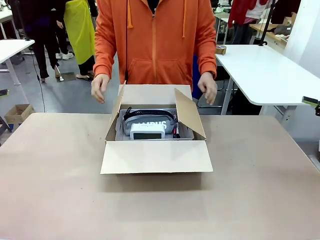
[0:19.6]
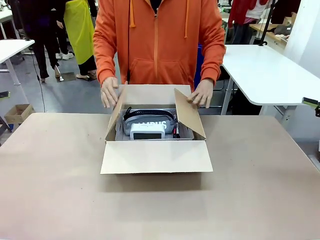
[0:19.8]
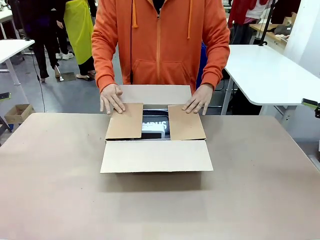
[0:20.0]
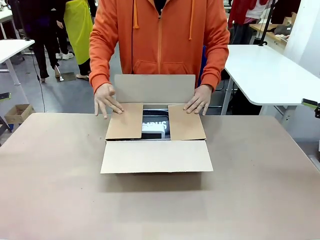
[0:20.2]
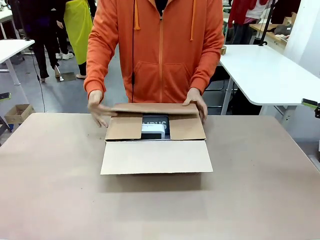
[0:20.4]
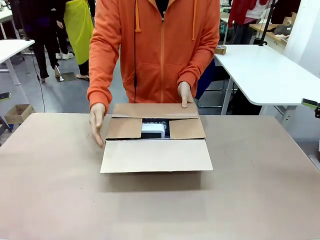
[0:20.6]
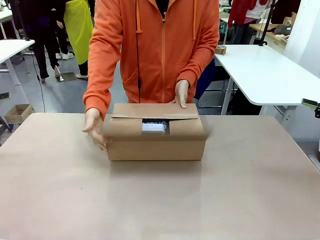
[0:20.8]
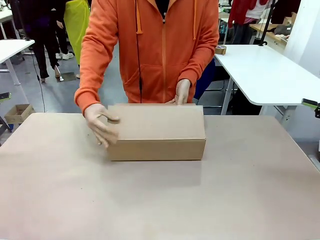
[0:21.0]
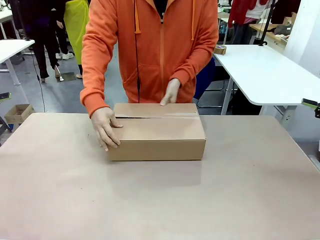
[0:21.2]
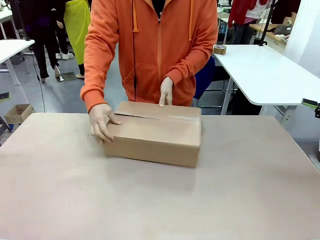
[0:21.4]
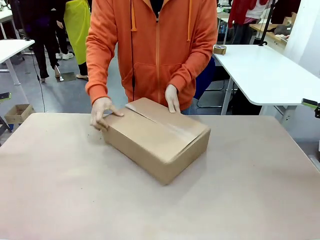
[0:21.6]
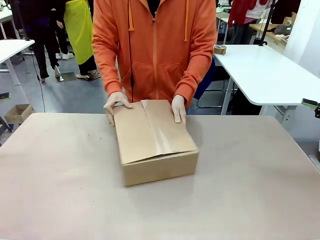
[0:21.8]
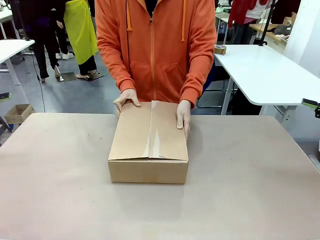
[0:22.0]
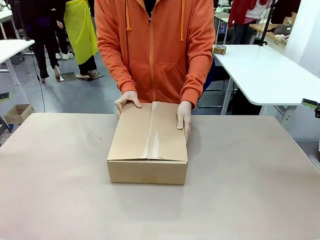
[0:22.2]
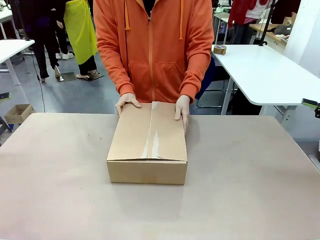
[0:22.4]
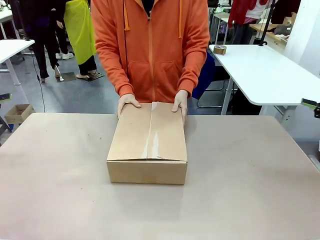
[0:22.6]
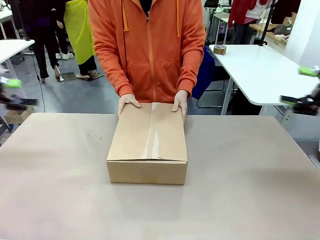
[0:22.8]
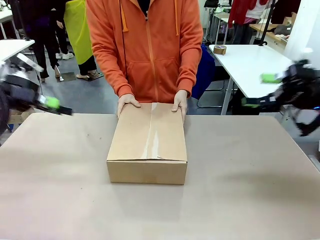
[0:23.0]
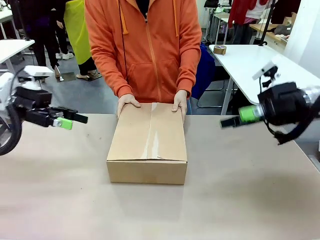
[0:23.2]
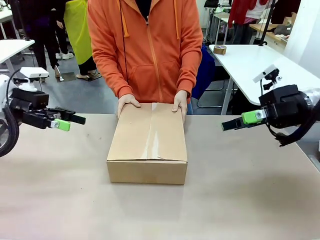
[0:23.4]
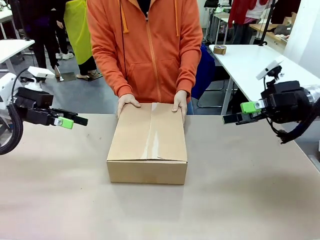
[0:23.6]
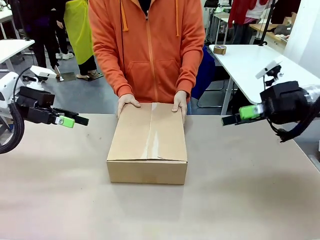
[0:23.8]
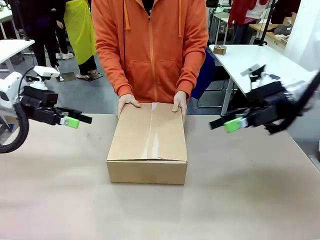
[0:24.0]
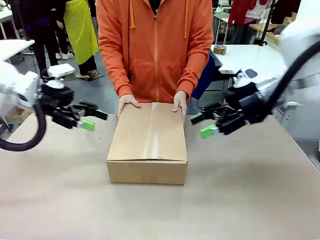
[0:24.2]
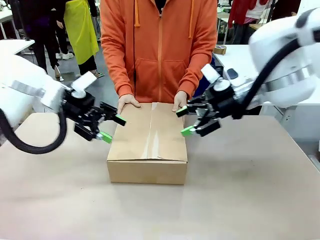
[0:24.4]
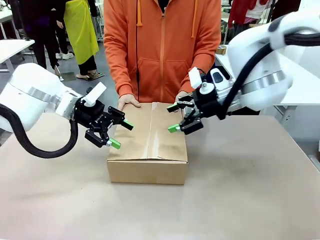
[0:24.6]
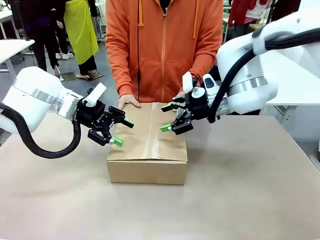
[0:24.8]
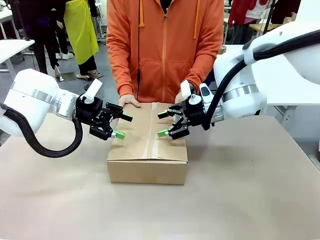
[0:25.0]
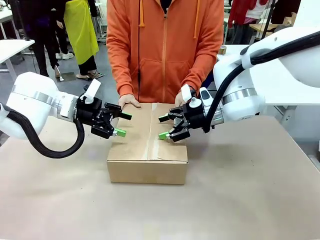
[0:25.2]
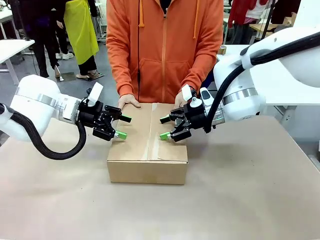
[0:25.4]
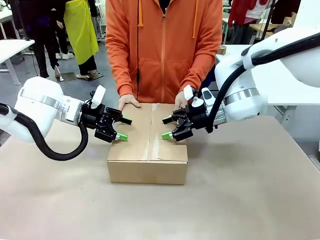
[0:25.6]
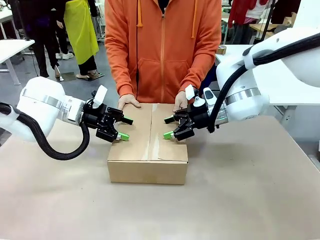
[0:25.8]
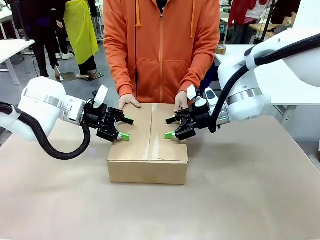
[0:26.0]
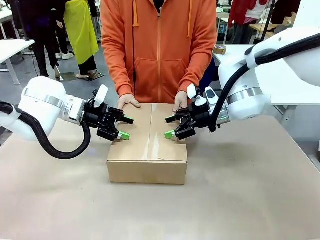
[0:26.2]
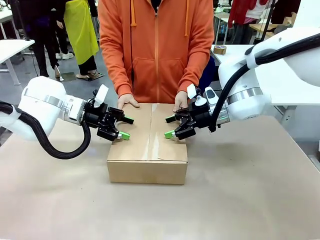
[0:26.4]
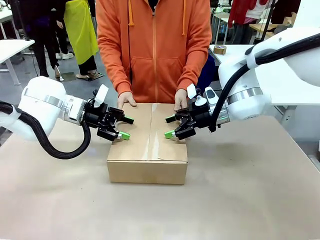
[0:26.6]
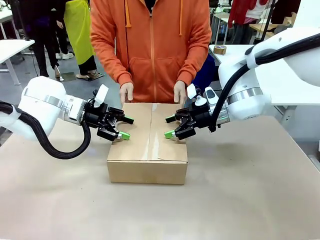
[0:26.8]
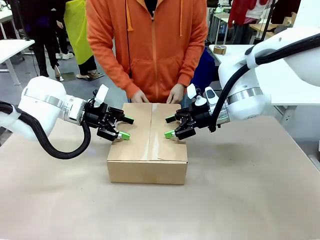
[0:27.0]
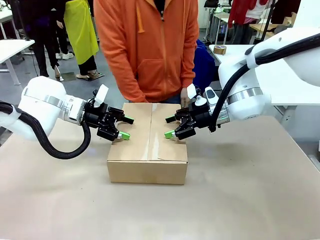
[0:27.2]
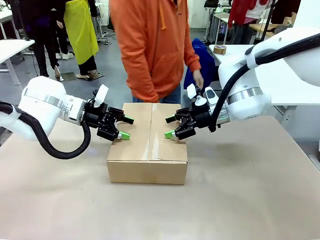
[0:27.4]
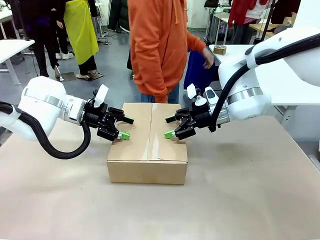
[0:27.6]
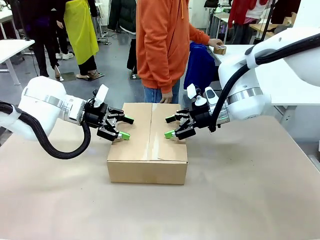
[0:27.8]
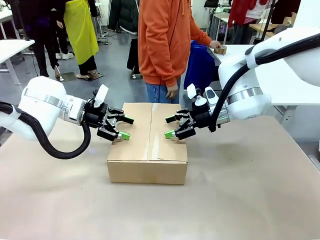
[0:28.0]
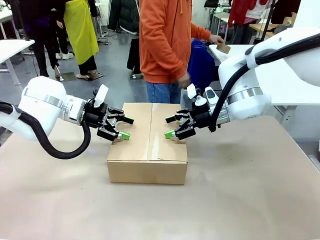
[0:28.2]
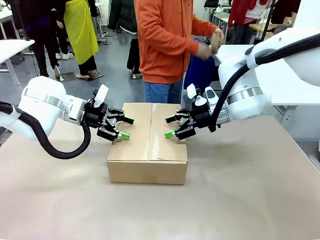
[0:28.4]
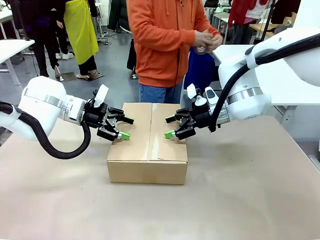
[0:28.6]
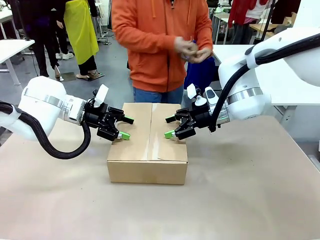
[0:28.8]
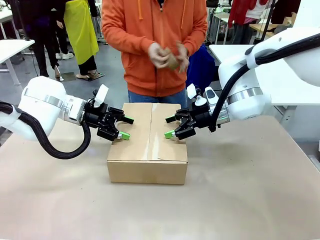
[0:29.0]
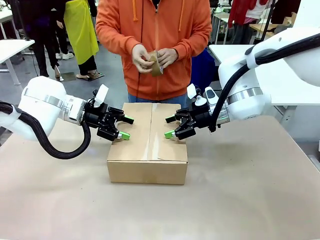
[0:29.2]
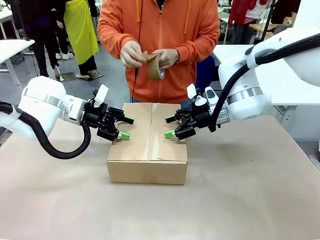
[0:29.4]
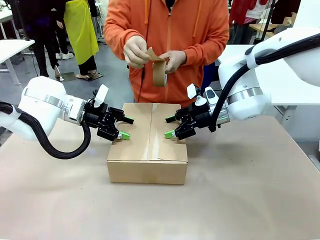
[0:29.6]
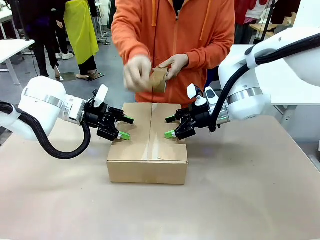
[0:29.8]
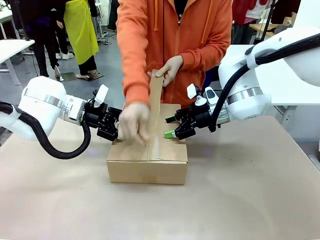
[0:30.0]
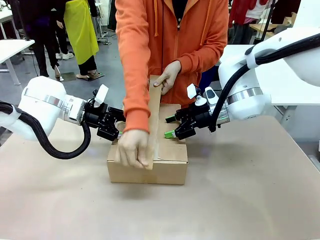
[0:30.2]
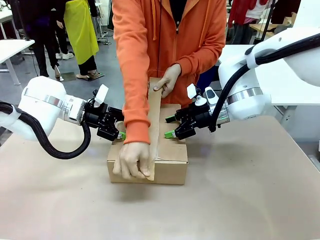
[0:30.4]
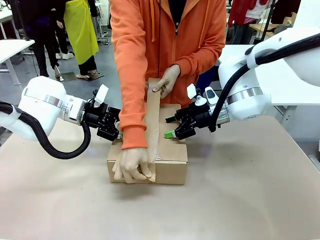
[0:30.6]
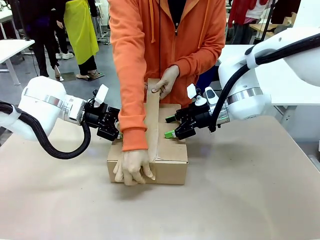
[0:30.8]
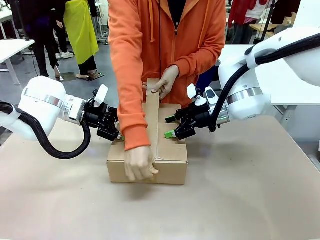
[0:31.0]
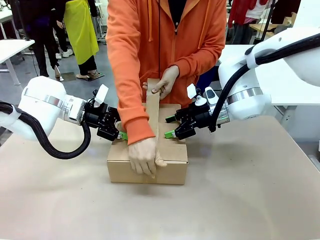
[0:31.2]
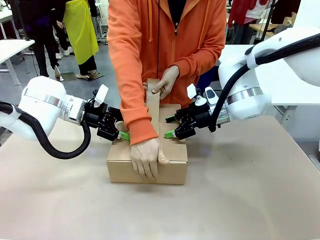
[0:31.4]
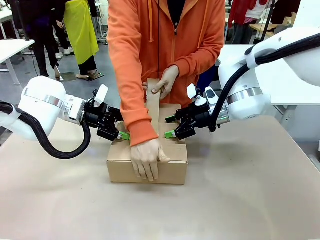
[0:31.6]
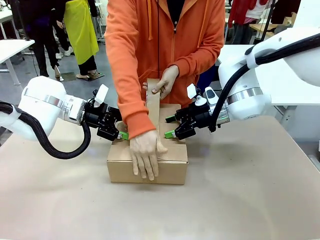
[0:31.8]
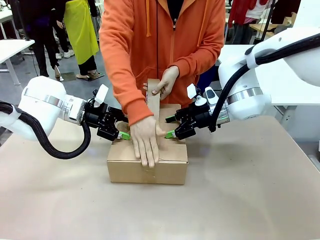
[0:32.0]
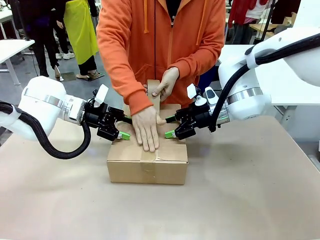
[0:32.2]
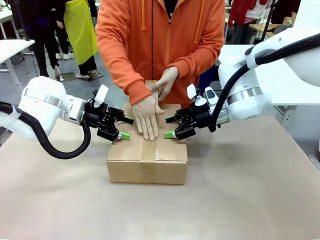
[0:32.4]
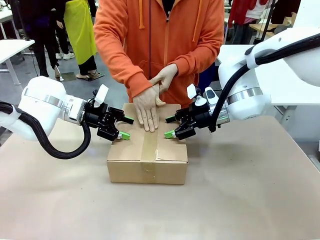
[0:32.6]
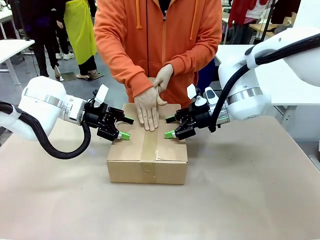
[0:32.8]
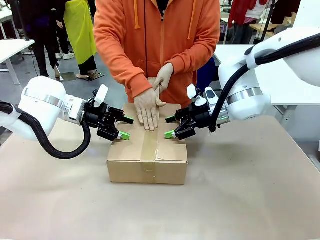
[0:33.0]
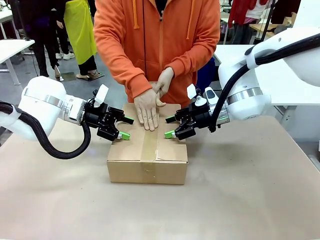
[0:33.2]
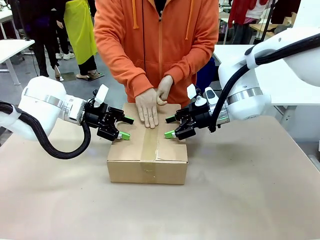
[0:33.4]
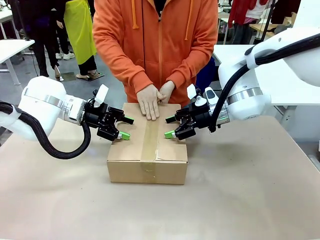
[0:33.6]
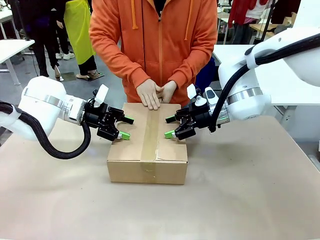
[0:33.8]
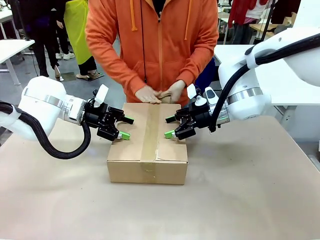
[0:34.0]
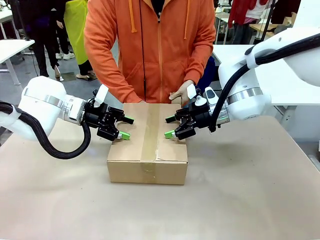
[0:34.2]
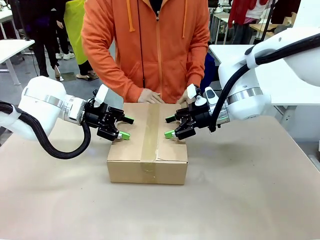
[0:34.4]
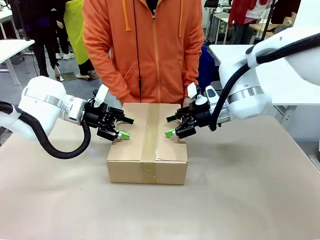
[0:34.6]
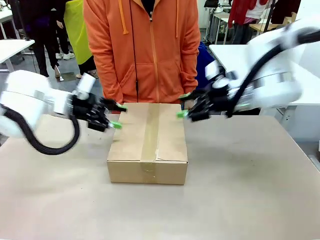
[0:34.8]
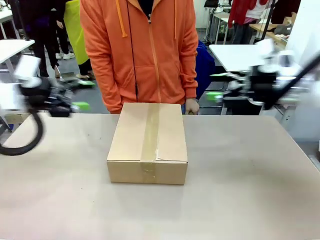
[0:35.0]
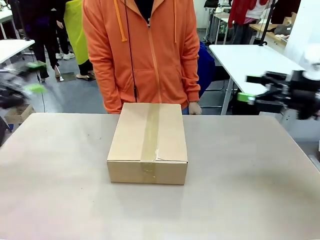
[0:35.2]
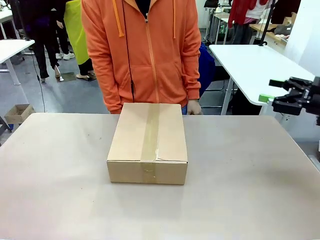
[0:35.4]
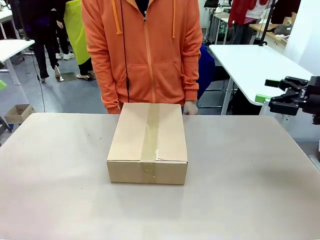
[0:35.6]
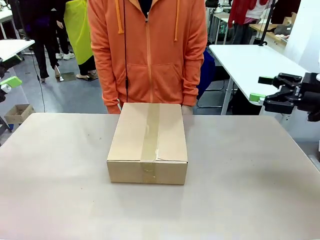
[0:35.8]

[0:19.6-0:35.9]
Task: Pack the gift set into the box.
Robot: Press and hold the closed box until the human finishes sealing it.
Person: The human closes the box and rotates the box by 90 degrees. The human picks up the paper tape from the human table and packs the box.
